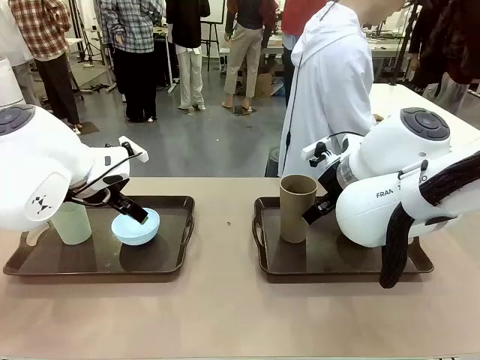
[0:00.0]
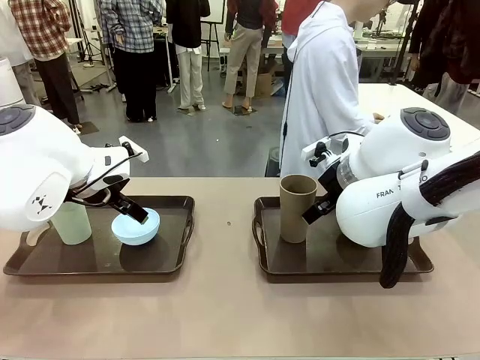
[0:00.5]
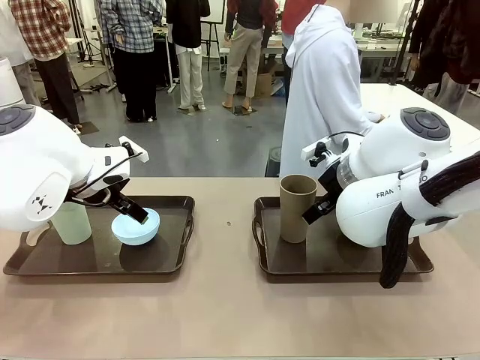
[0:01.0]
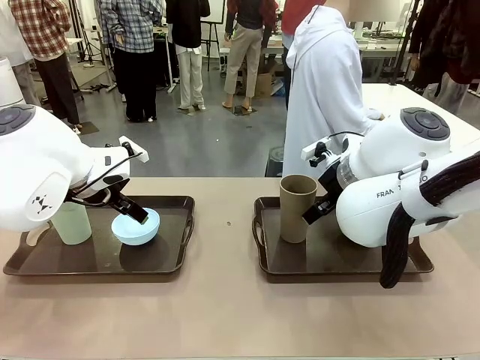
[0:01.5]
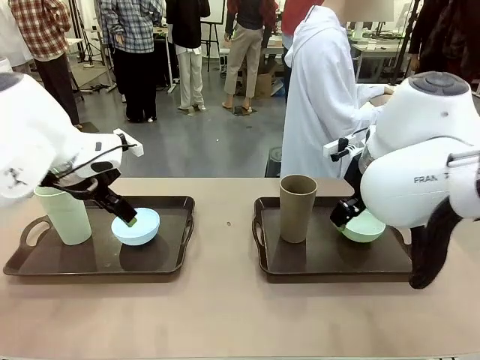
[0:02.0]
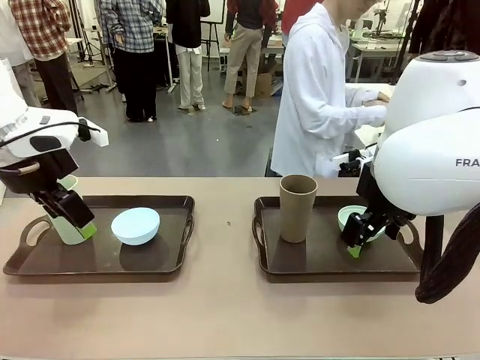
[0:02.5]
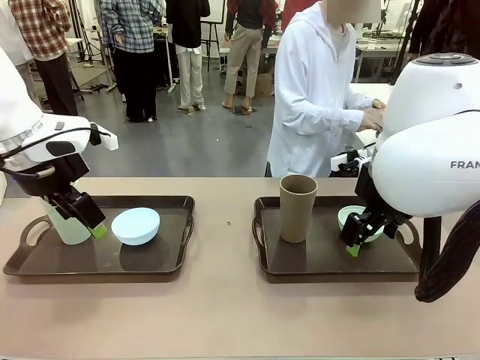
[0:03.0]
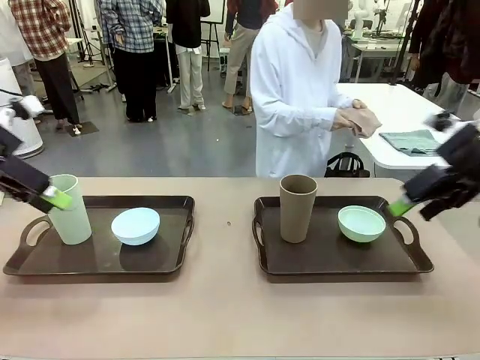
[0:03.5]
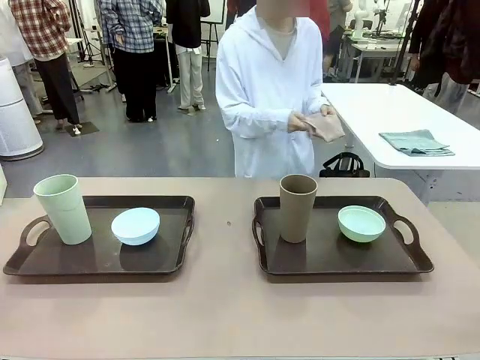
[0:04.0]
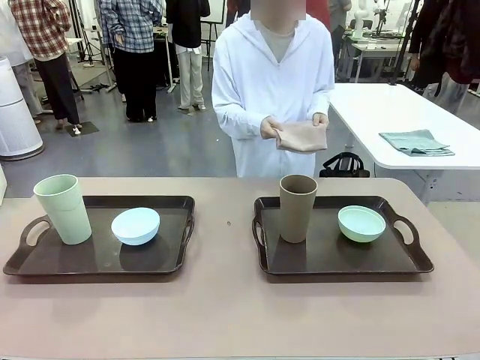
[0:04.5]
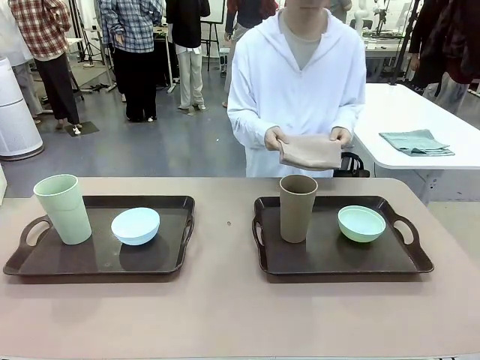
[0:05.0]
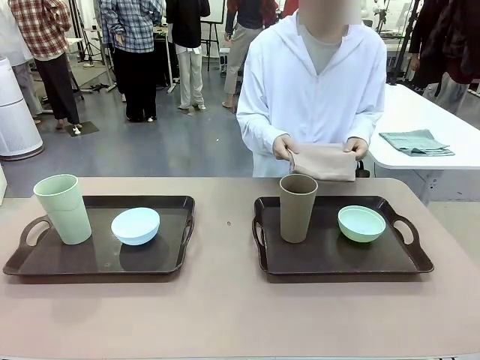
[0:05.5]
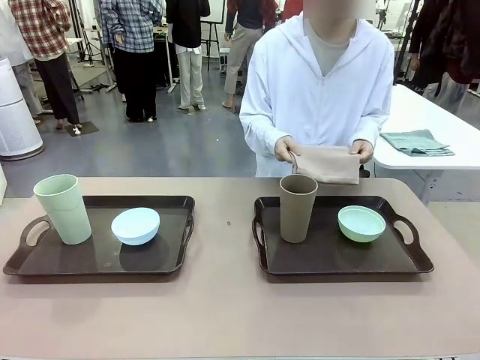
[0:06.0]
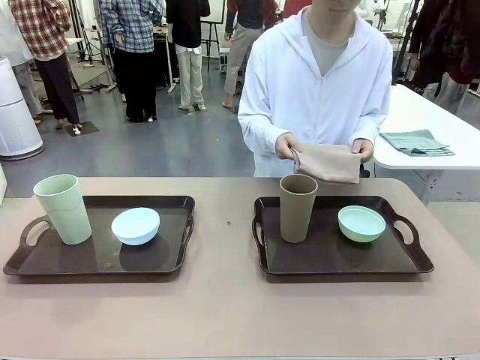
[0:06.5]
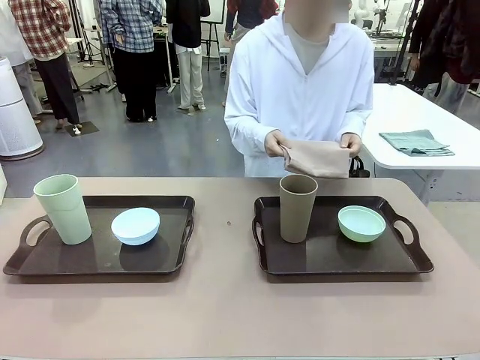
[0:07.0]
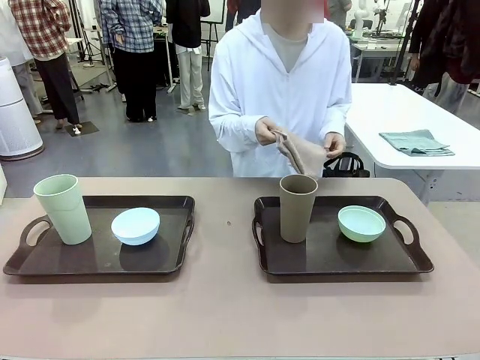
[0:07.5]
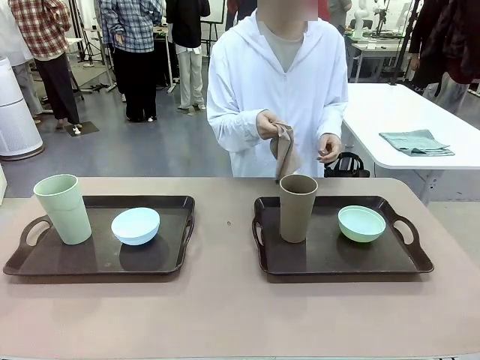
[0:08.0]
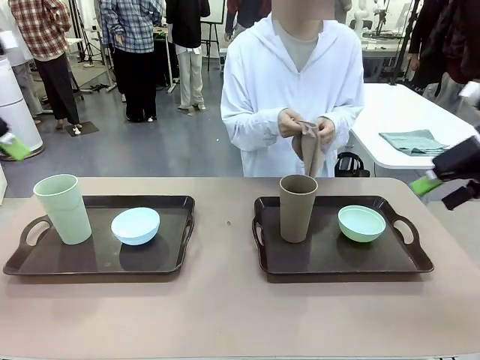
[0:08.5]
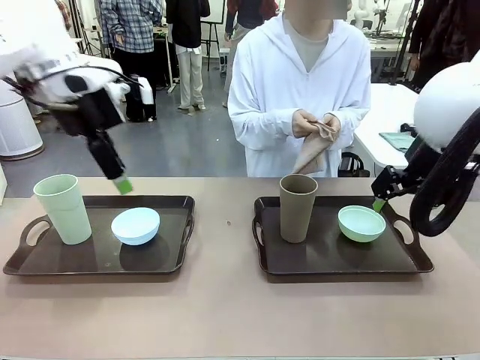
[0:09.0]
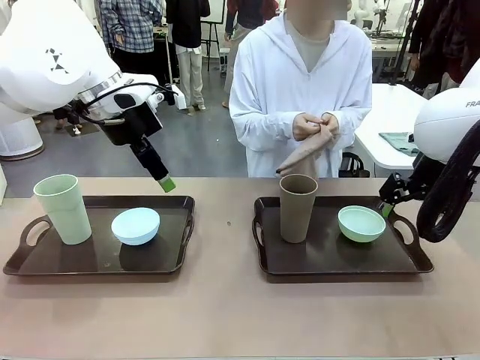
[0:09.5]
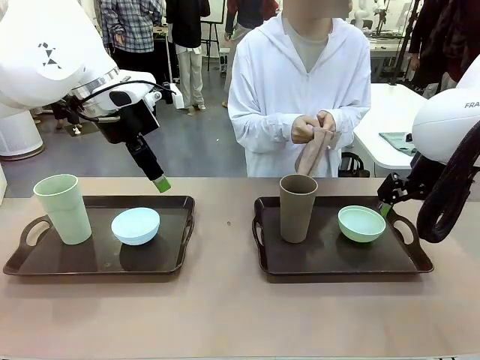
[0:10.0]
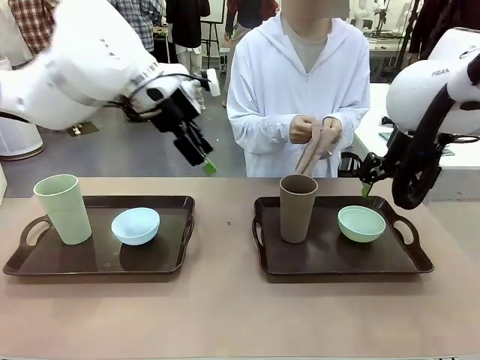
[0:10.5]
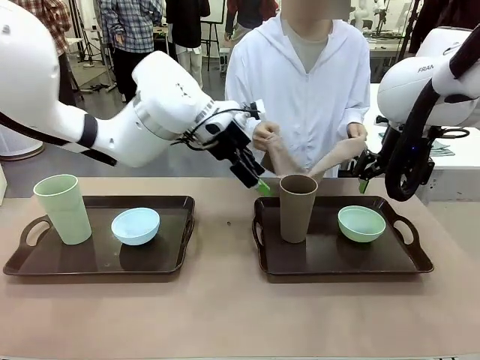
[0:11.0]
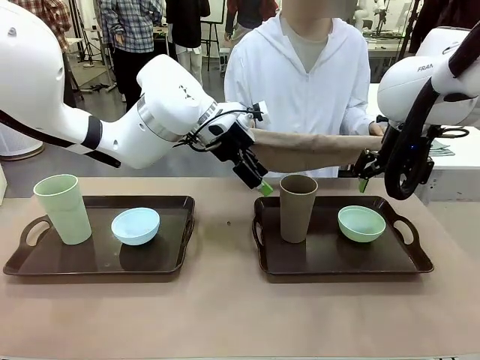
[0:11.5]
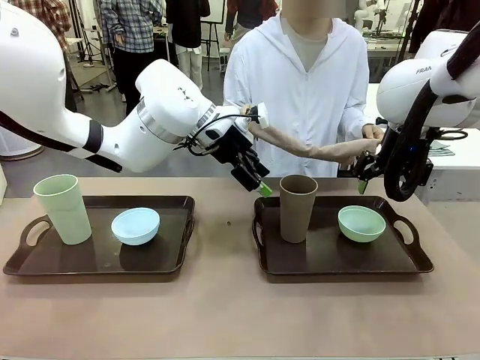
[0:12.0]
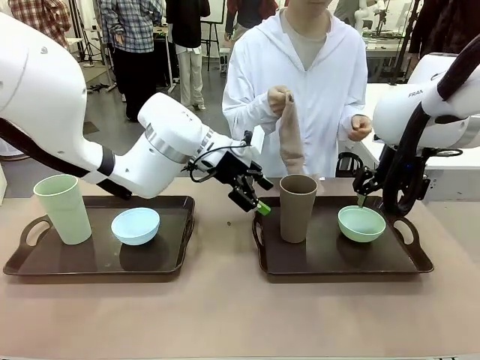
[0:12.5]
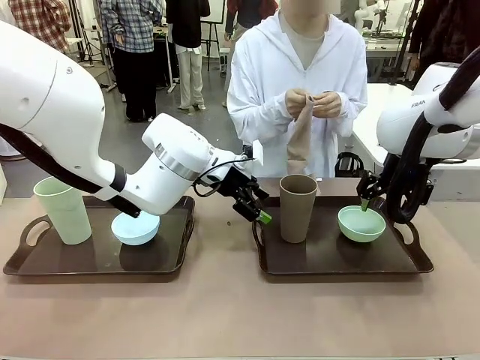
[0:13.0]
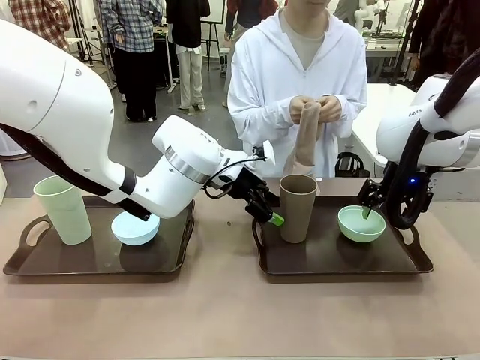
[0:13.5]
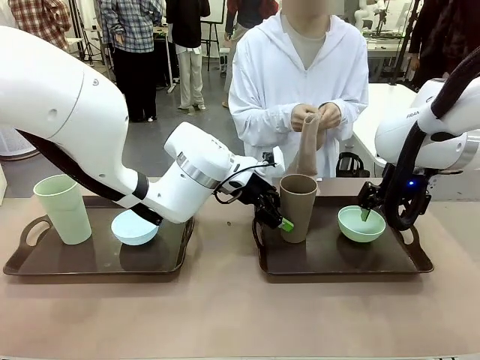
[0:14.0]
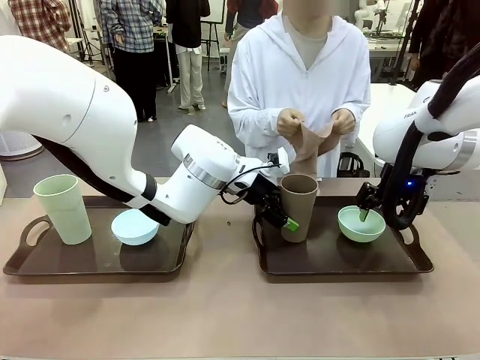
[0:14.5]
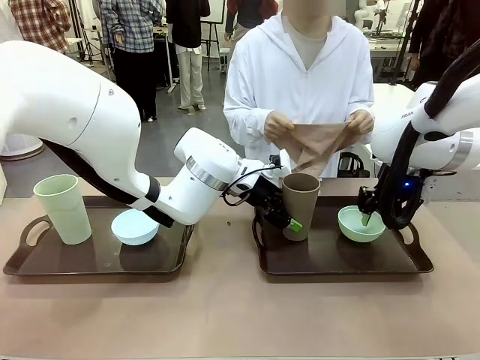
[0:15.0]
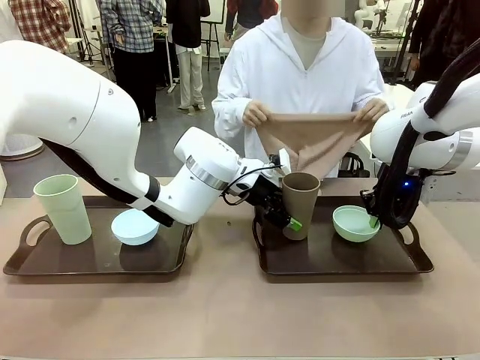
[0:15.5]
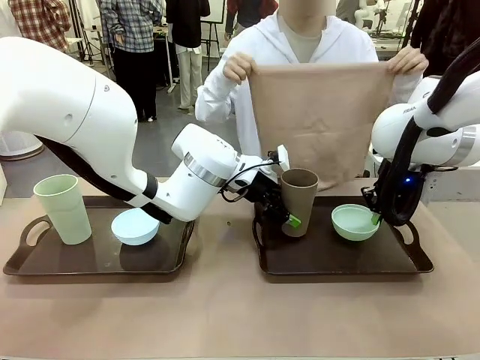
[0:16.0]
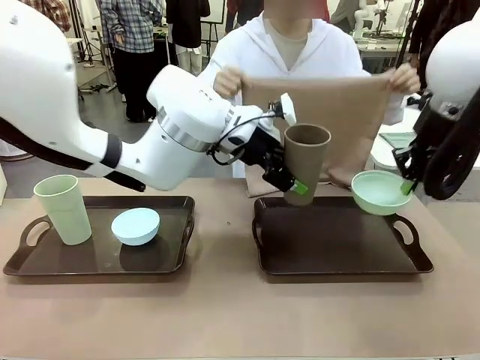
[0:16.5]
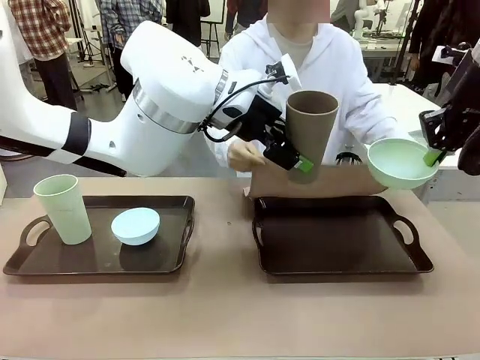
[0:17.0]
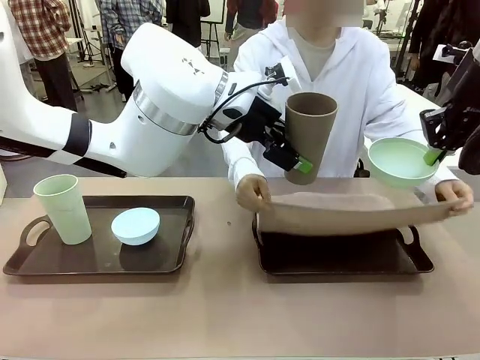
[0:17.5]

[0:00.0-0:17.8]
Robot: Pick up the Picnic Bowl and Reusable plastic cup from the Handle tray in front of the human's position and hold them in the air.
Person: The human picks up the top napkin from the stack on the human table and walks to the robot table to stand in front of one of the two trays. When the robot lifts the bowl and the cup, the human unfolds the napkin and lays the napkin flat on the tray.

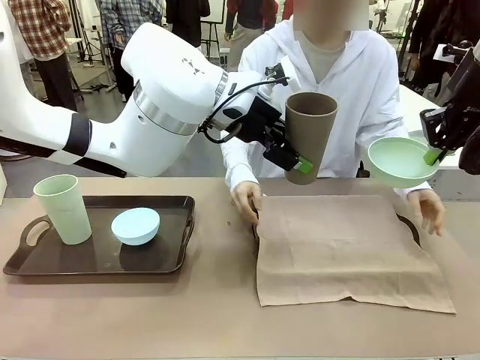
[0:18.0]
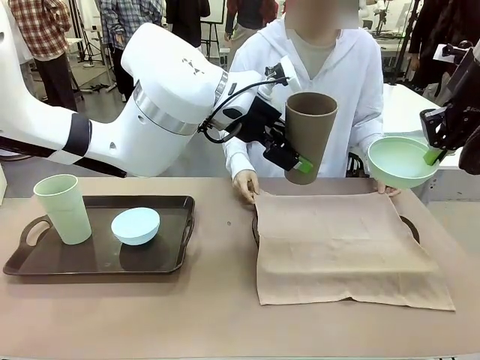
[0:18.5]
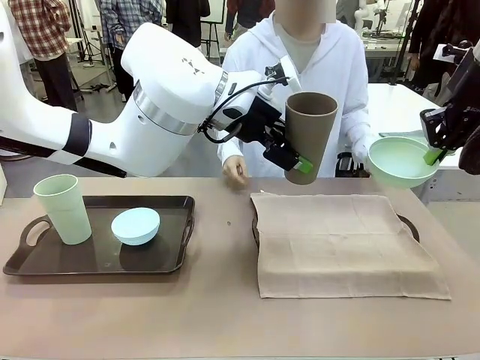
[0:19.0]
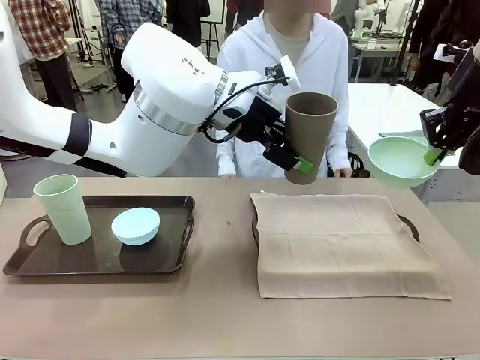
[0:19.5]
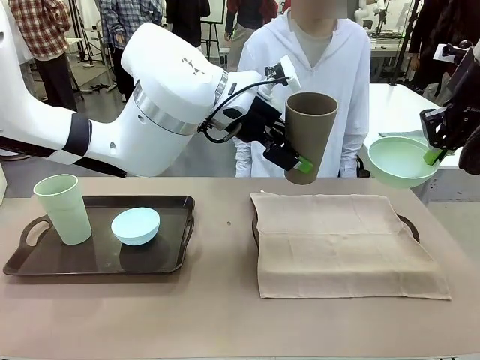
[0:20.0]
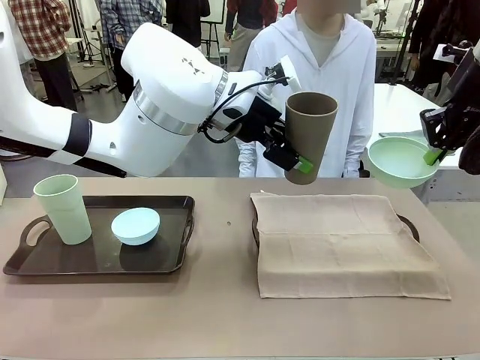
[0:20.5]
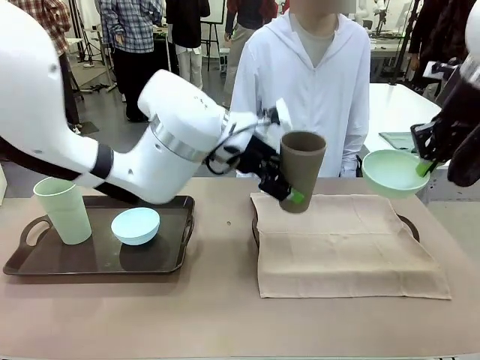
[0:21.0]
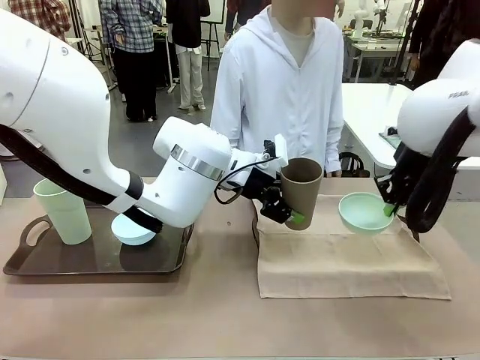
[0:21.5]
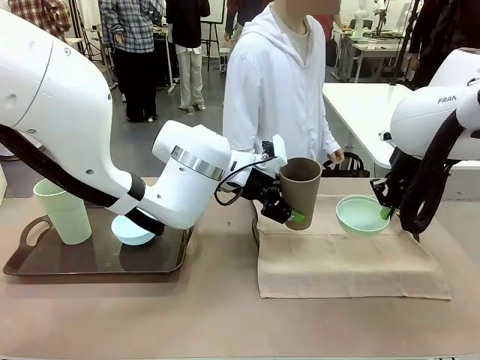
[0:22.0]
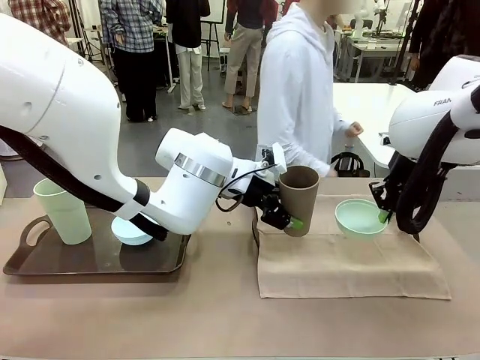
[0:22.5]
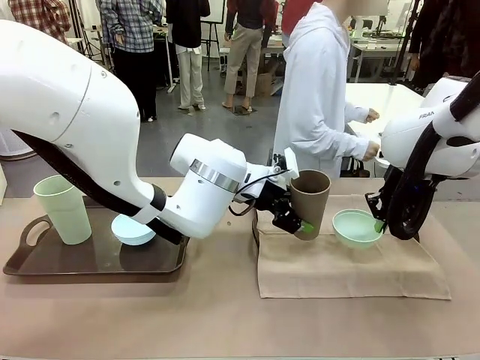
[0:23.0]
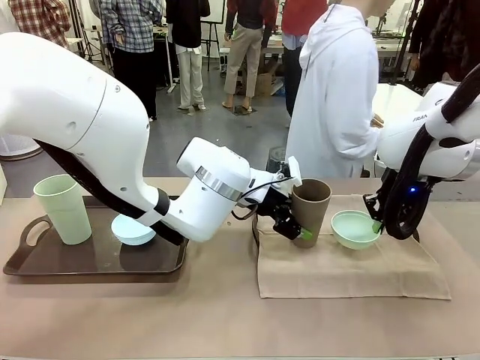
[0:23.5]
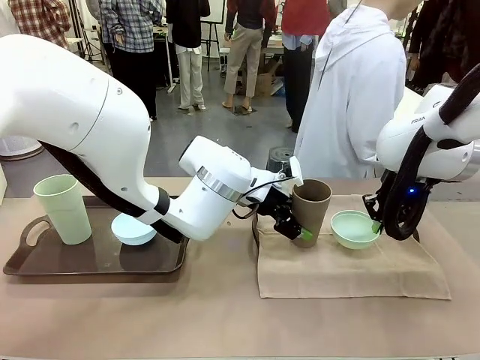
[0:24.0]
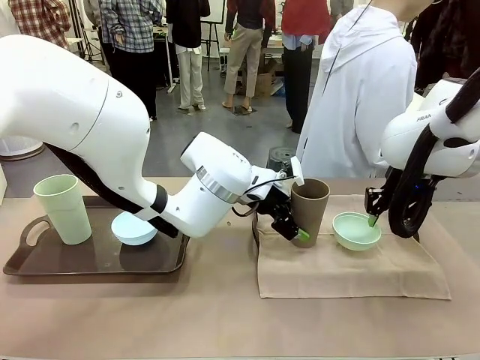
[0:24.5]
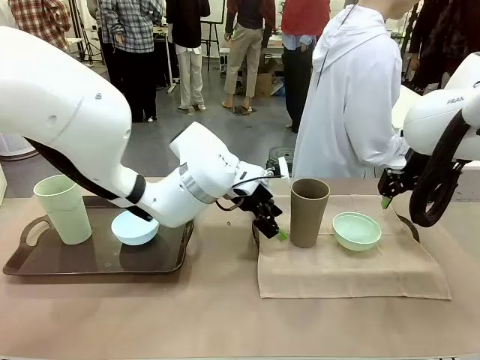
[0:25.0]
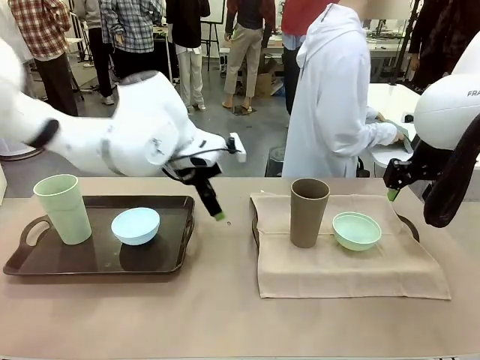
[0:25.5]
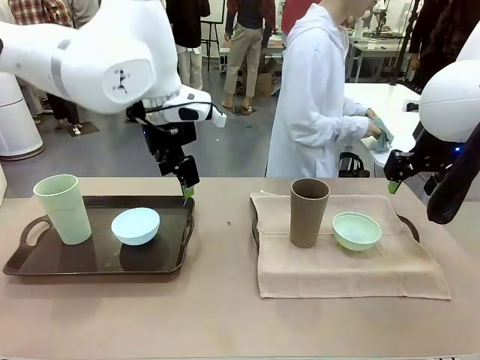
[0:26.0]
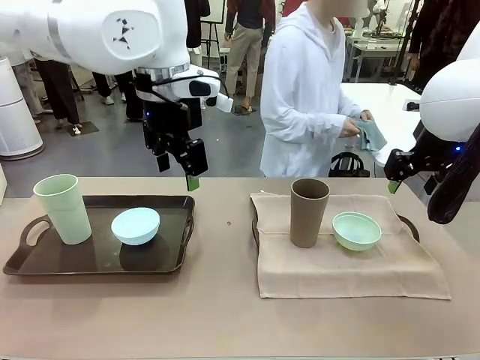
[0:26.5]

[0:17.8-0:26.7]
Robot: Place the Picnic Bowl and Reusable plastic cup back onto the Handle tray in front of the human's position.
Person: The human returns to the human table to pick up another napkin and walks to the robot table to stand in front of the tray without a napkin.
